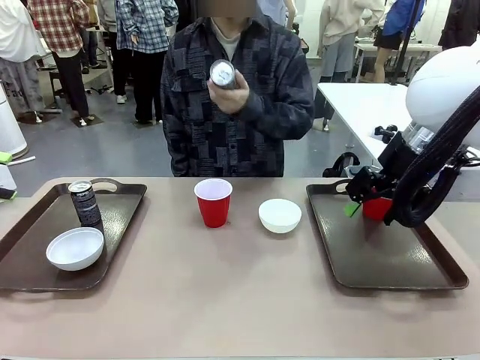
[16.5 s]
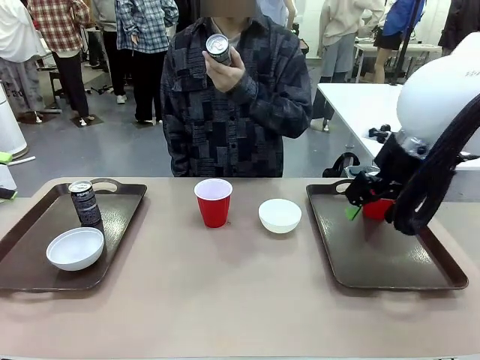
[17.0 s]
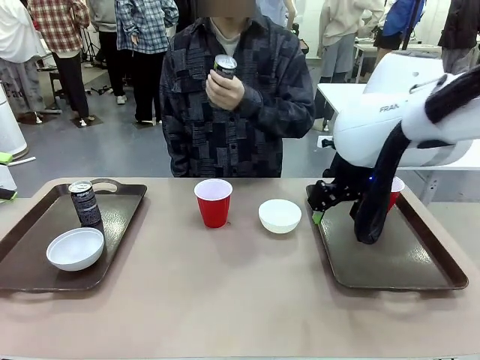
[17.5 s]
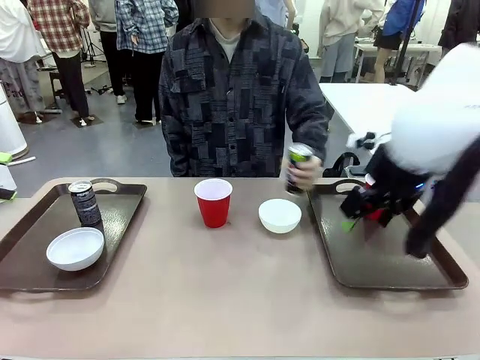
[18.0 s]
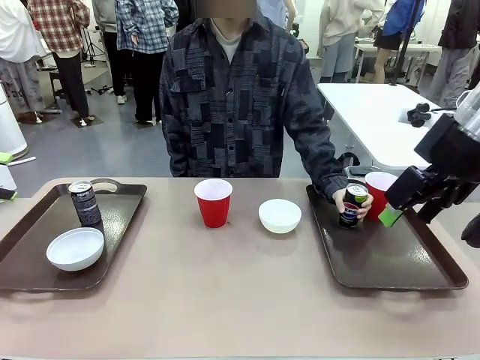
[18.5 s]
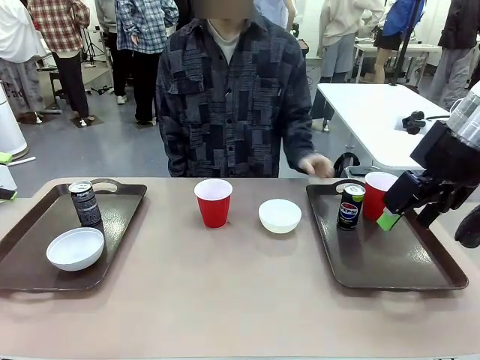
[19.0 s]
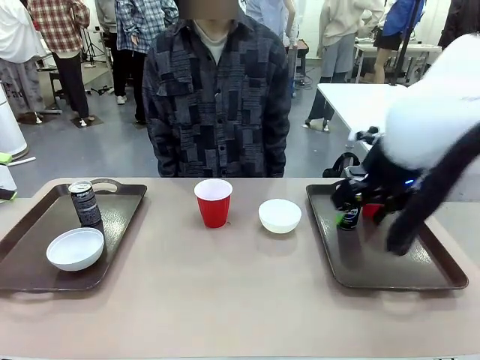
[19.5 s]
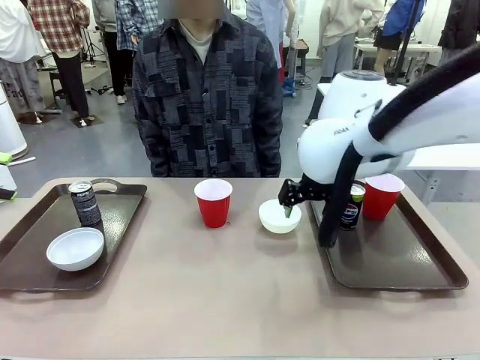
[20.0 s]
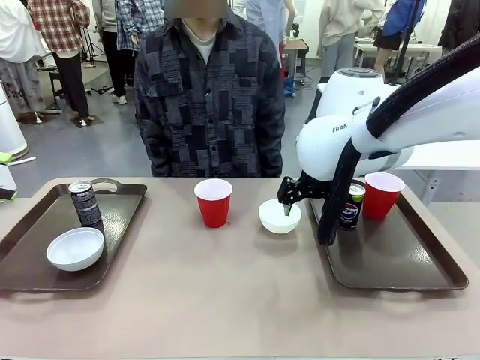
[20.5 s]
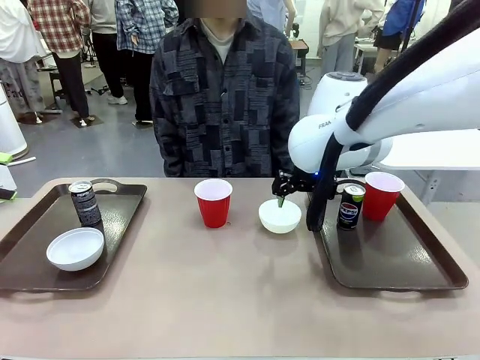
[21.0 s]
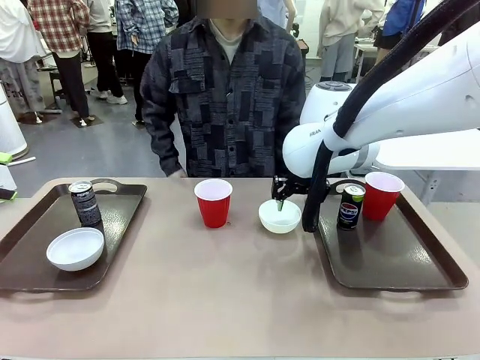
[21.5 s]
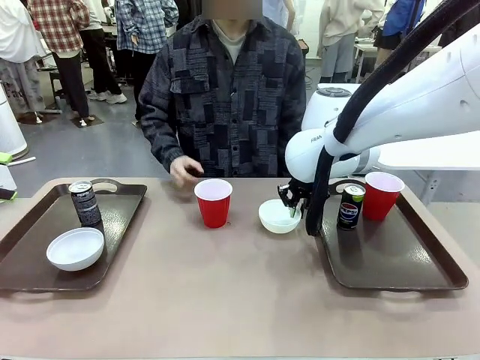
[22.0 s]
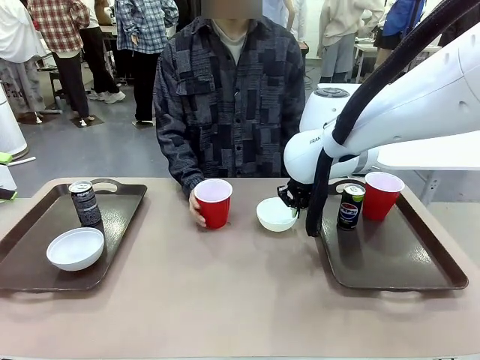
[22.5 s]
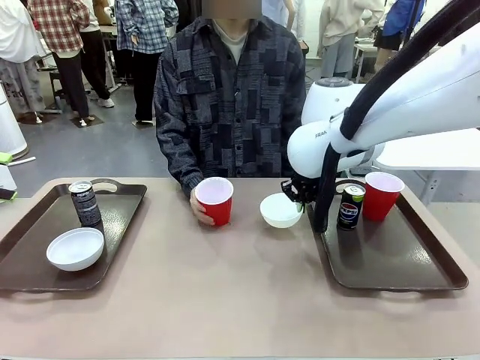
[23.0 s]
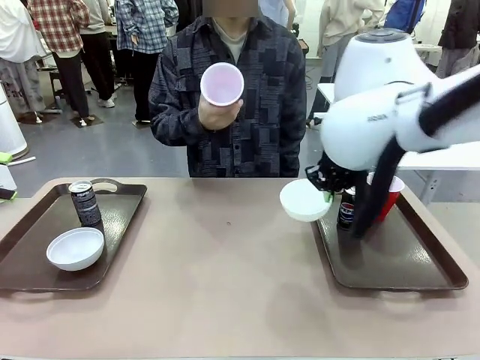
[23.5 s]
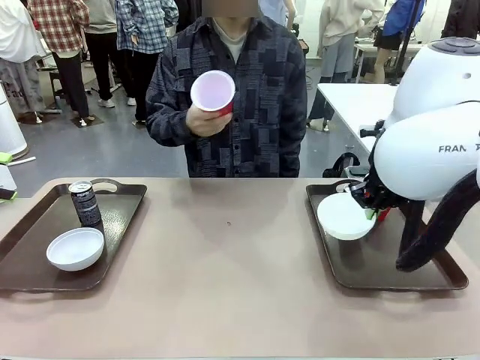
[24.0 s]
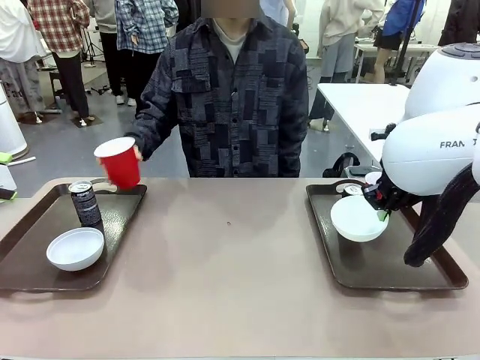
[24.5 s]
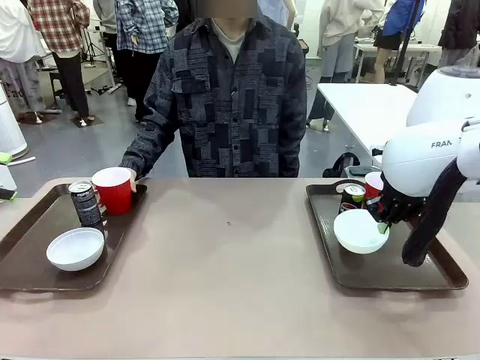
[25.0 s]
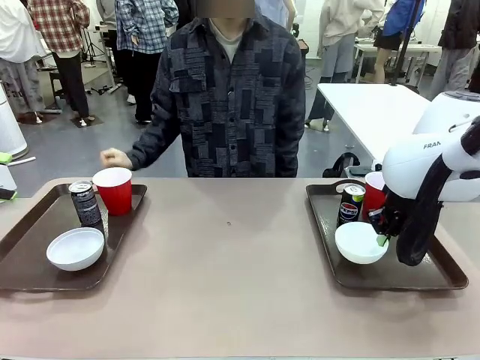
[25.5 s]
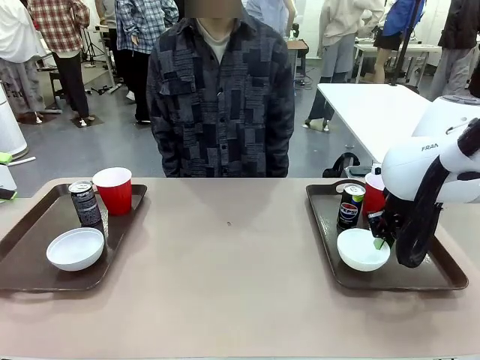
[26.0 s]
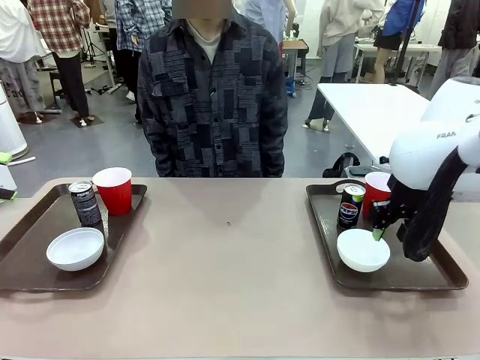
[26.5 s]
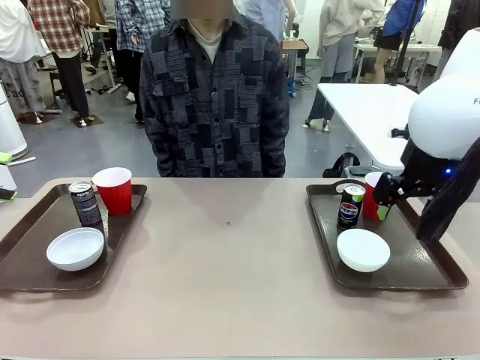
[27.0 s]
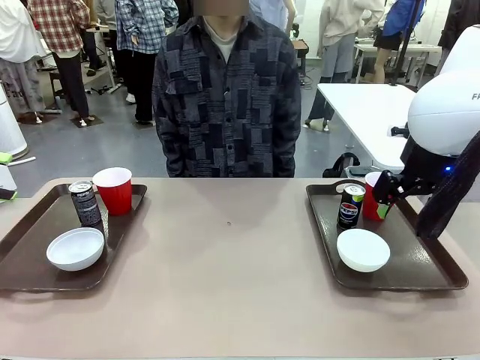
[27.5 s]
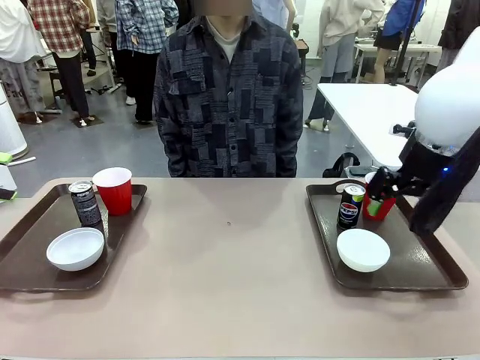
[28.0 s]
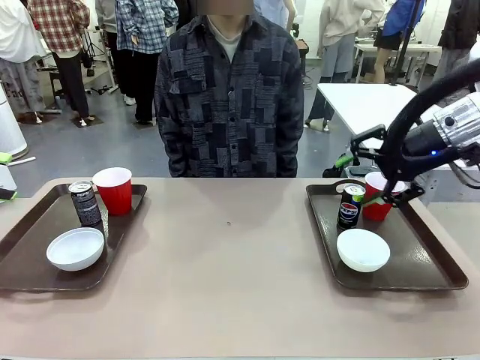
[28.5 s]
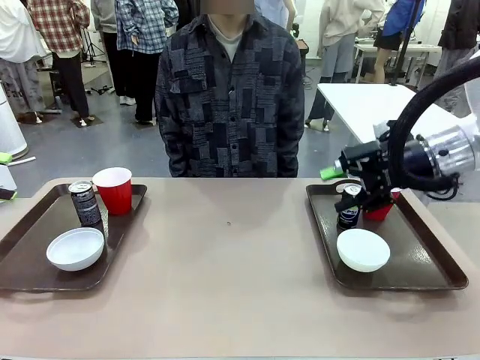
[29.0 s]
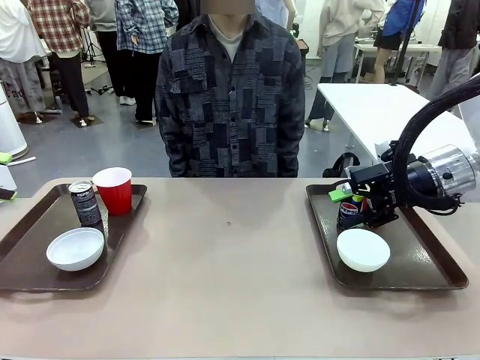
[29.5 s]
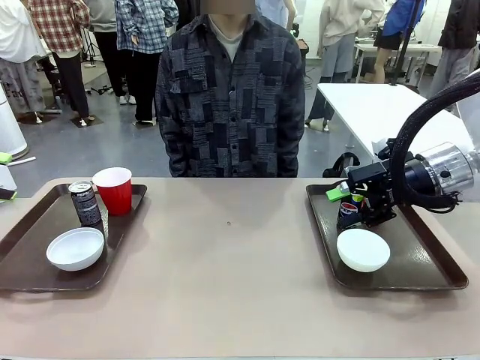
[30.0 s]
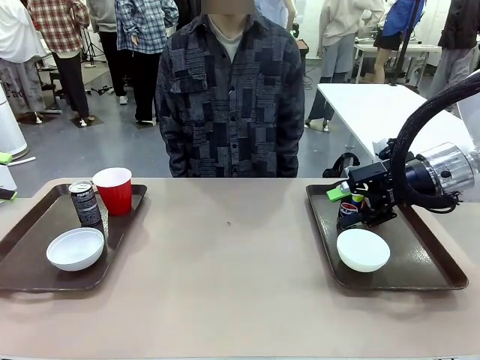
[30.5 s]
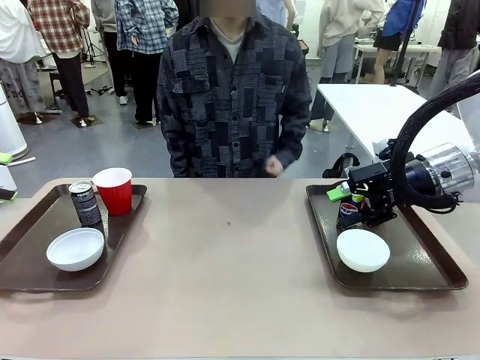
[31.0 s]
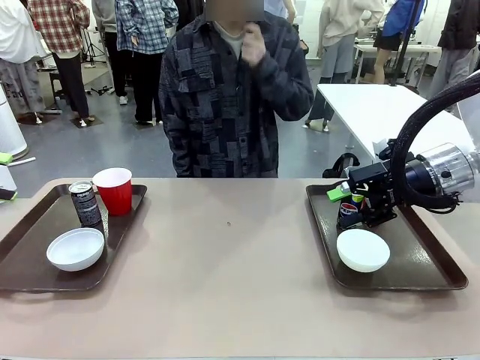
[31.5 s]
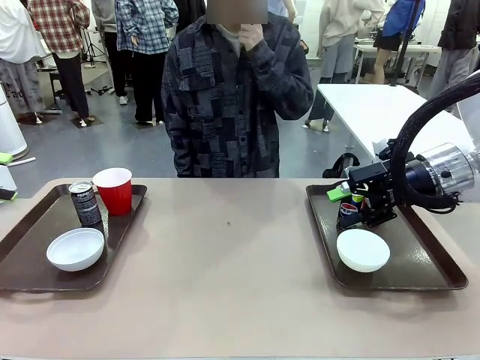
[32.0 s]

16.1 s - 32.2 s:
Task: Prepare tableware on both trays.
Robot: Pick up a Picnic Bowl from the table and place it on a Handle tray.
Person: Pick up a can or cup and place it on the tray without a can or cup.

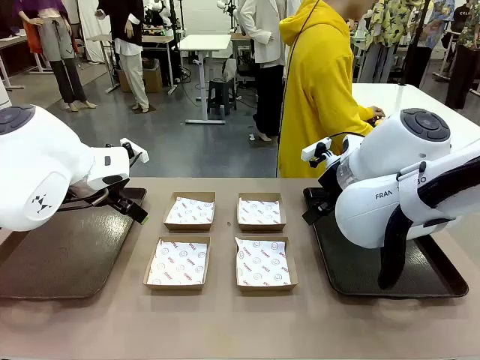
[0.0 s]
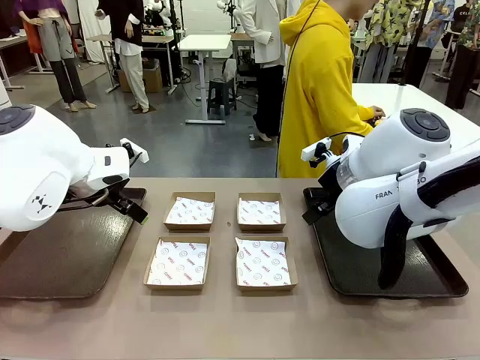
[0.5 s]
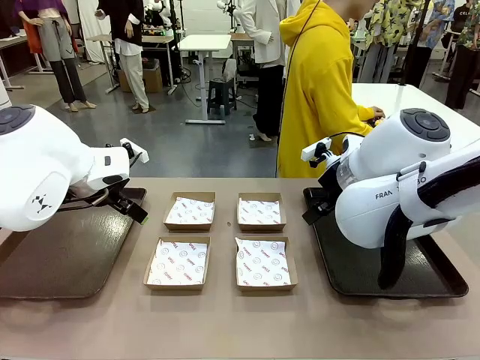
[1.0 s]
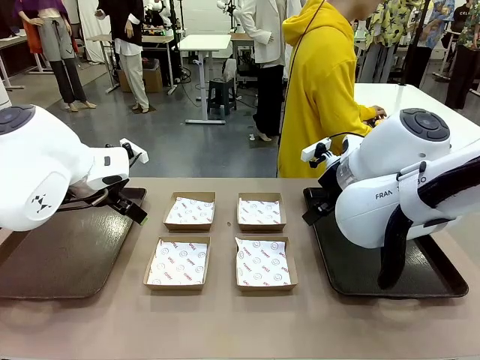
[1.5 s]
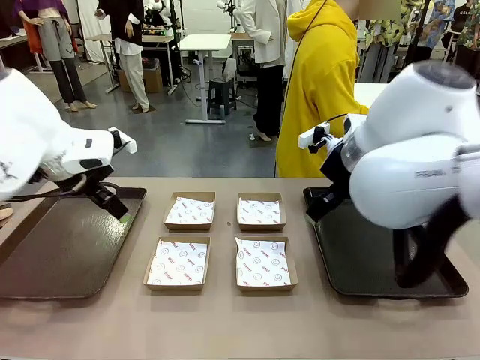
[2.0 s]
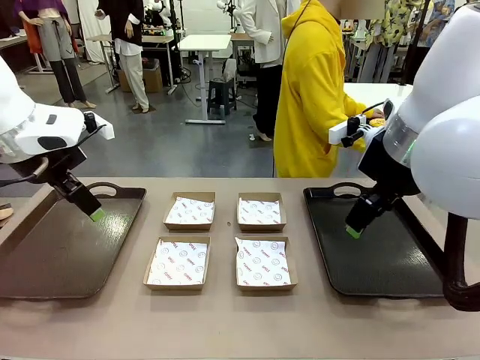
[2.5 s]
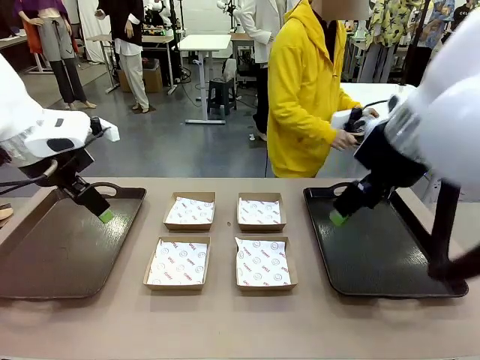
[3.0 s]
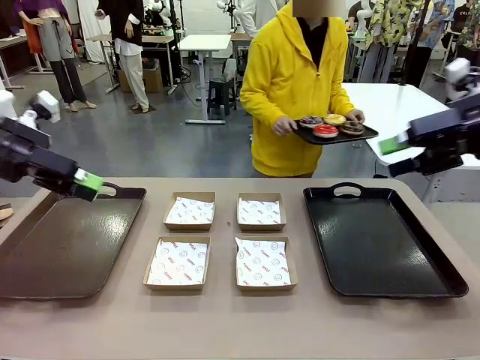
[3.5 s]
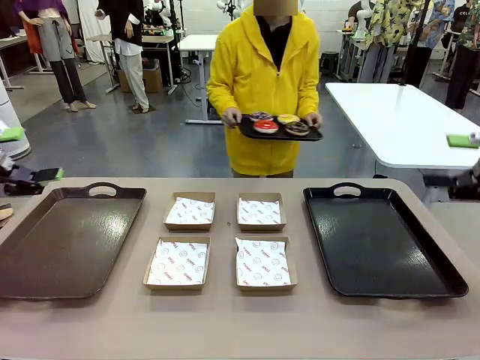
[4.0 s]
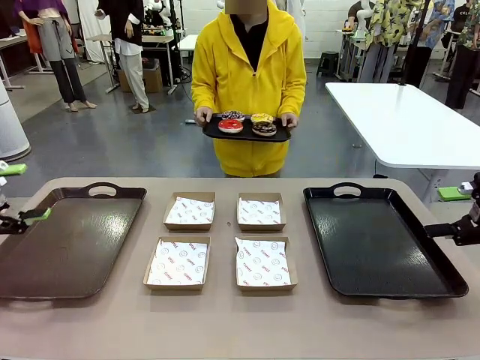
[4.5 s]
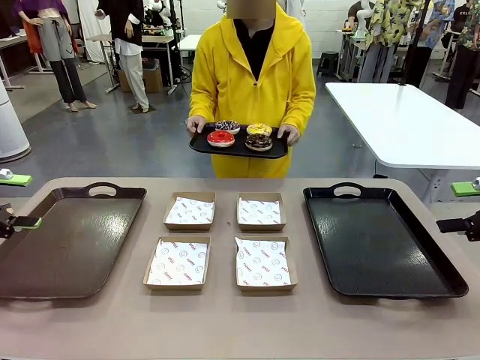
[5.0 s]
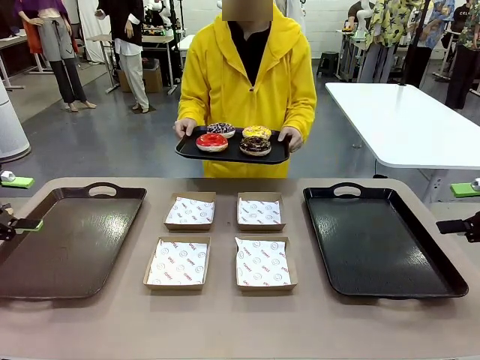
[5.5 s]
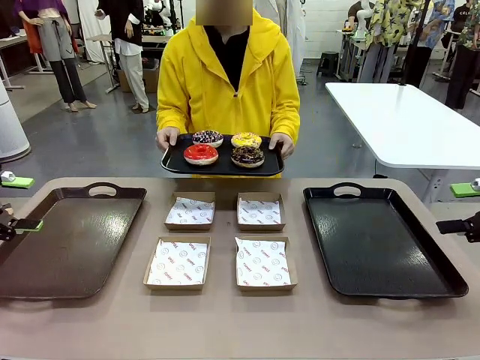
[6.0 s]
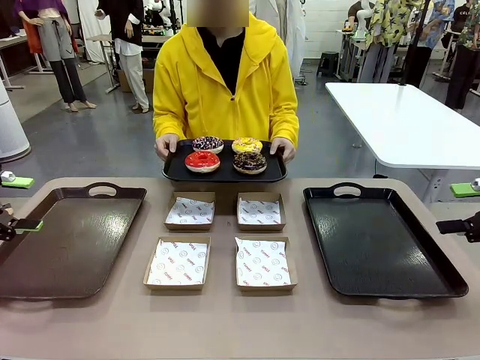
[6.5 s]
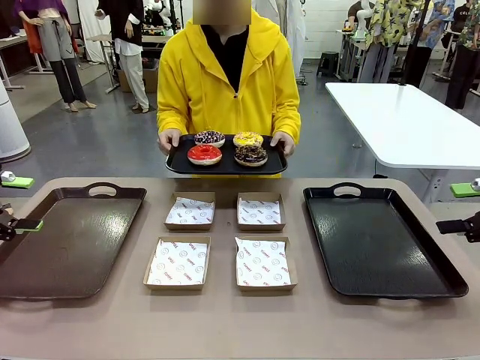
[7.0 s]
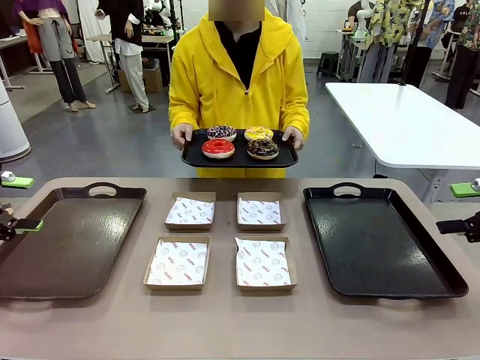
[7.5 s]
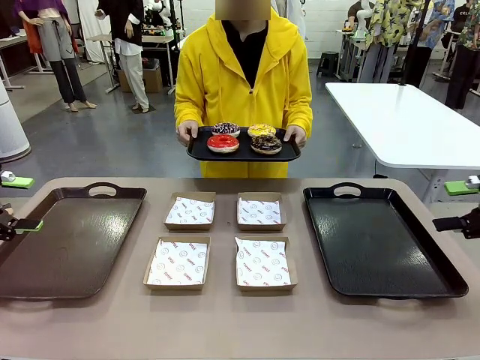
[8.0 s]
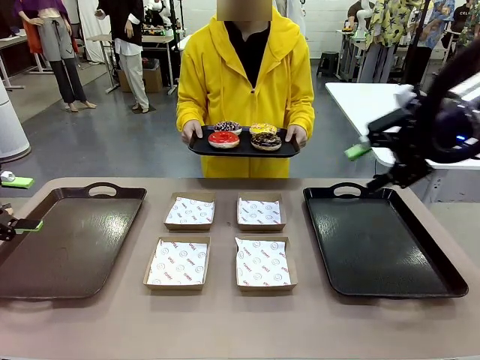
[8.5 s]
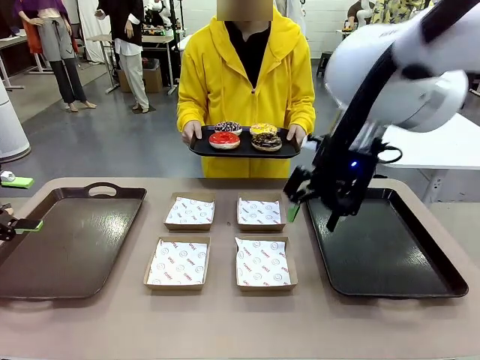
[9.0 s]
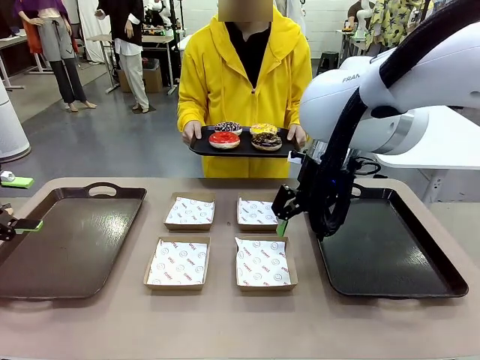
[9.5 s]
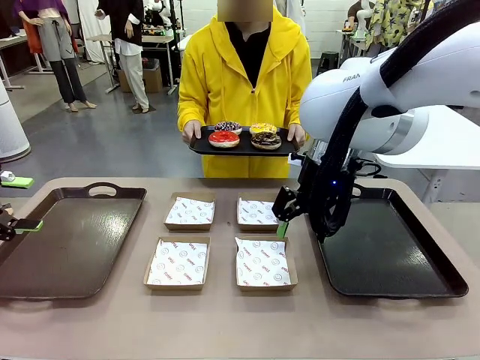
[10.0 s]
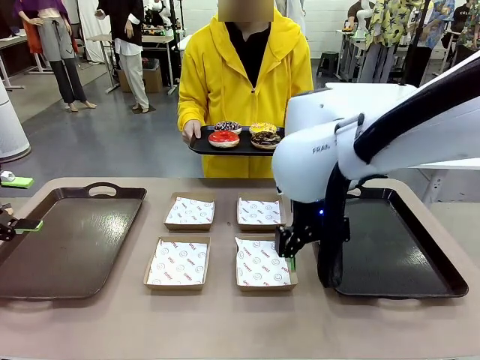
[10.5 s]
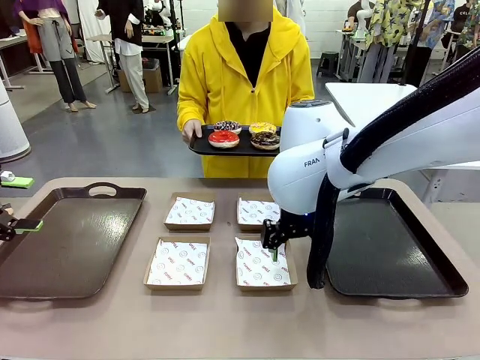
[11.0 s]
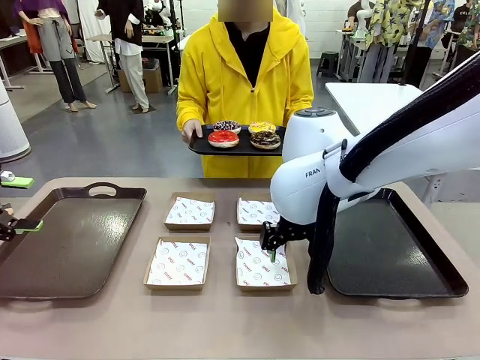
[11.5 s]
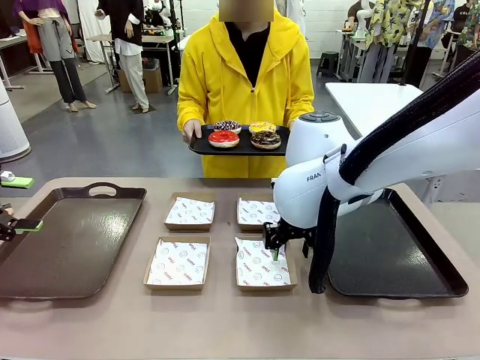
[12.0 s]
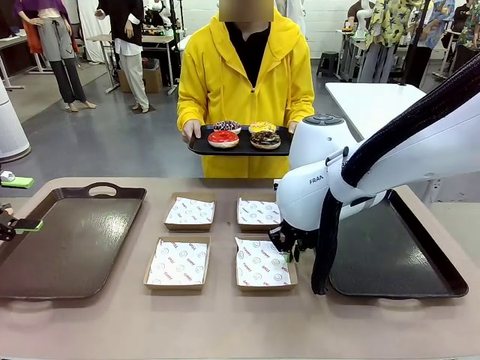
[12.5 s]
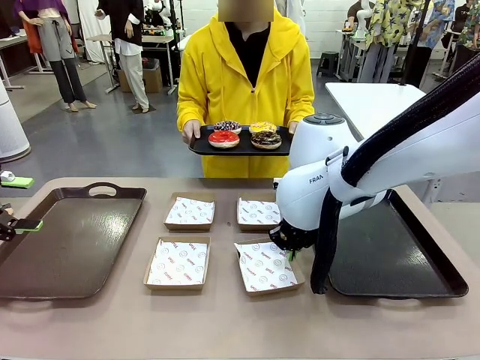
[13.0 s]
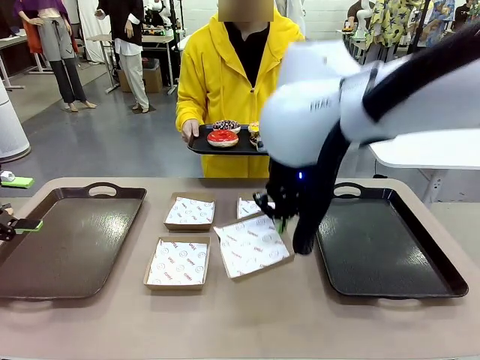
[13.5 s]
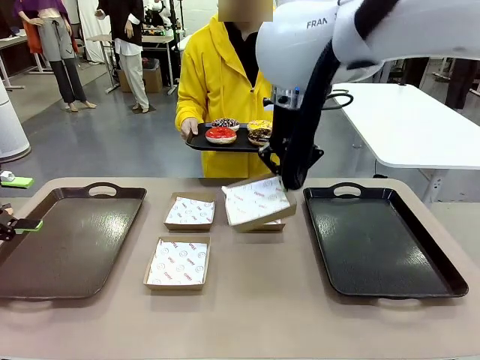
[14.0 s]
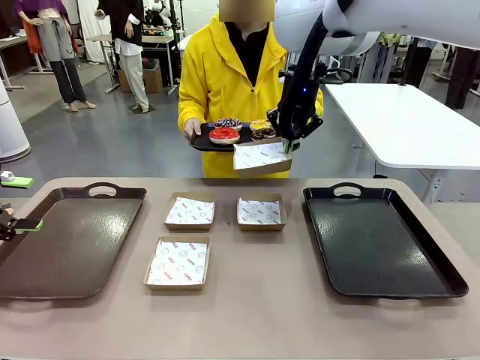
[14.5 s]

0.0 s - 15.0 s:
Task: Individually package the donuts and arrange them on the tray.
Robot: Pick up one Paper togo box.
Person: Stand in front of the robot table holding the tray containing the donuts.
